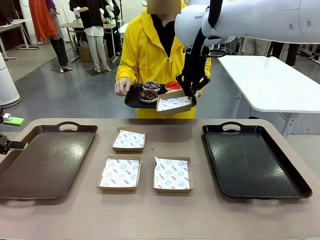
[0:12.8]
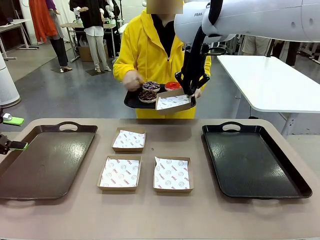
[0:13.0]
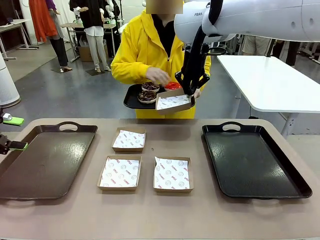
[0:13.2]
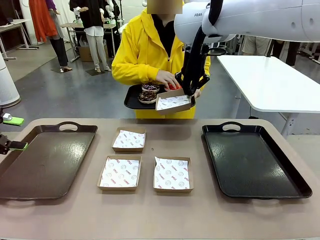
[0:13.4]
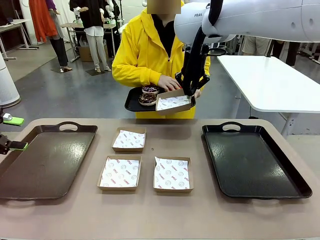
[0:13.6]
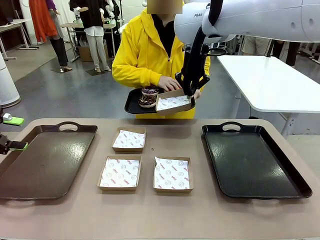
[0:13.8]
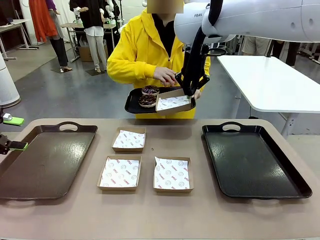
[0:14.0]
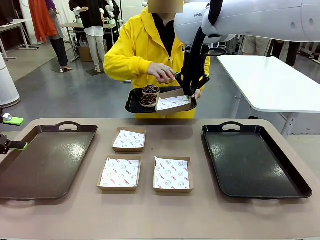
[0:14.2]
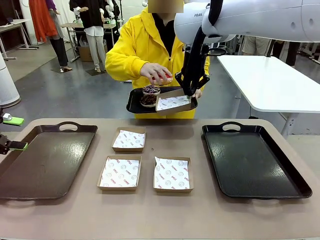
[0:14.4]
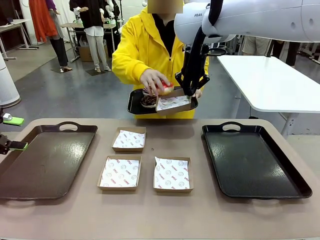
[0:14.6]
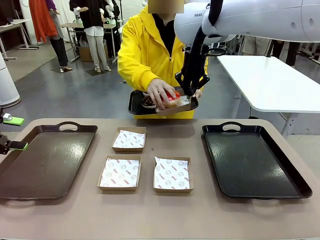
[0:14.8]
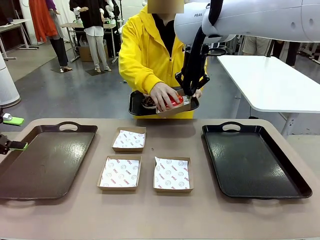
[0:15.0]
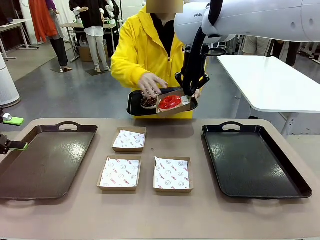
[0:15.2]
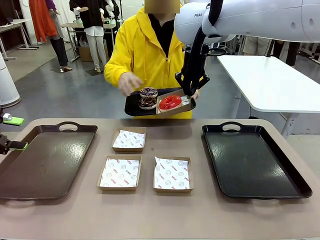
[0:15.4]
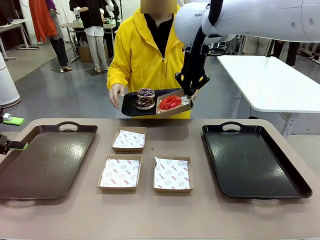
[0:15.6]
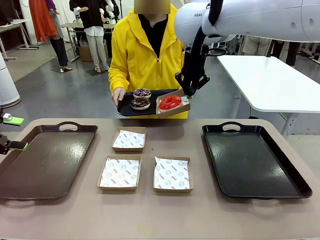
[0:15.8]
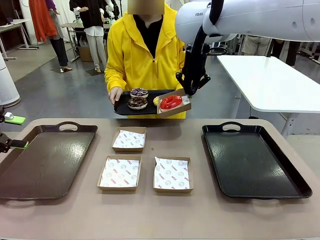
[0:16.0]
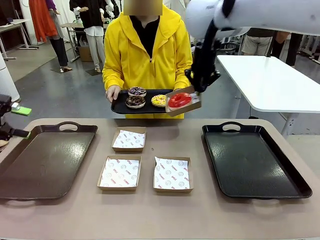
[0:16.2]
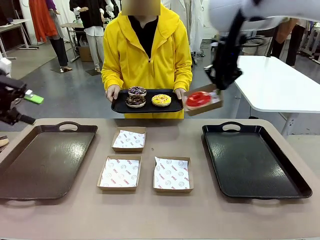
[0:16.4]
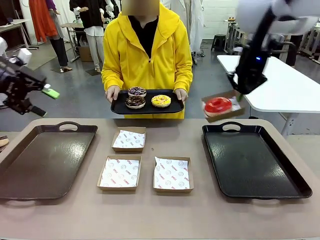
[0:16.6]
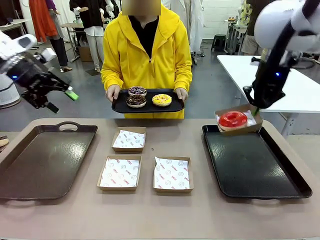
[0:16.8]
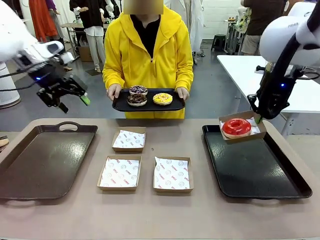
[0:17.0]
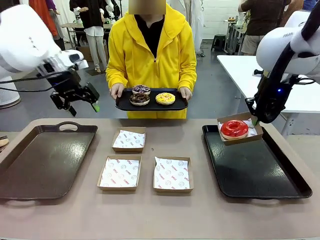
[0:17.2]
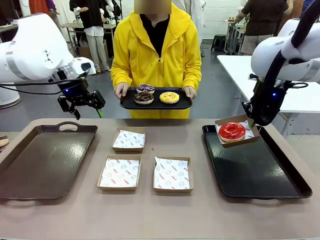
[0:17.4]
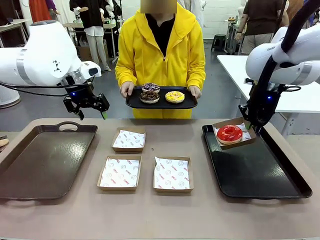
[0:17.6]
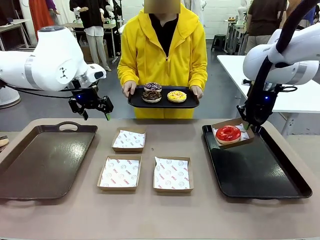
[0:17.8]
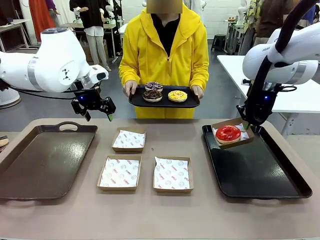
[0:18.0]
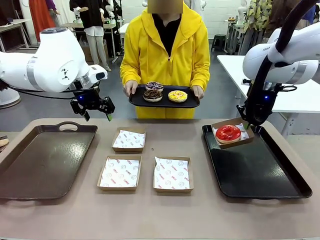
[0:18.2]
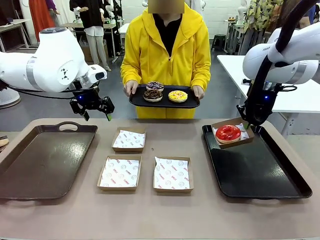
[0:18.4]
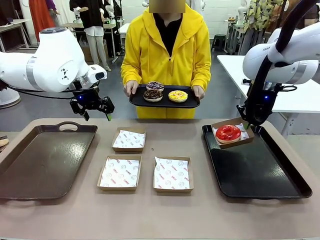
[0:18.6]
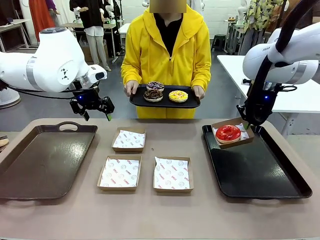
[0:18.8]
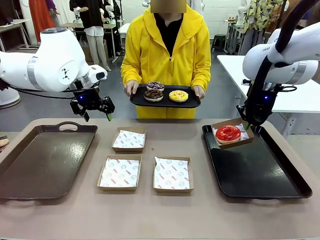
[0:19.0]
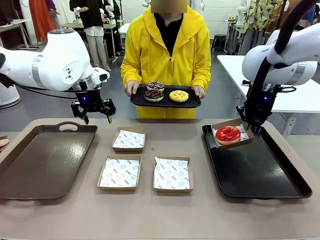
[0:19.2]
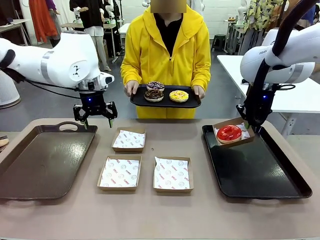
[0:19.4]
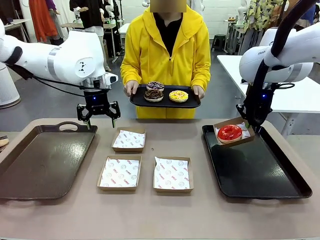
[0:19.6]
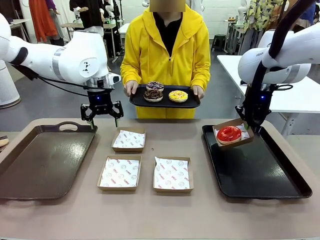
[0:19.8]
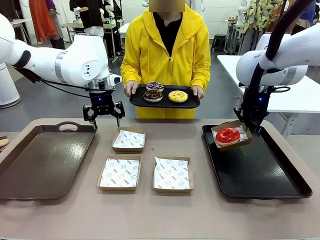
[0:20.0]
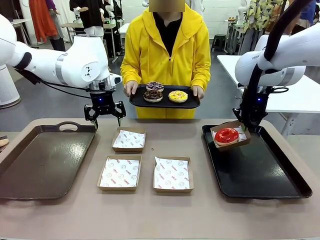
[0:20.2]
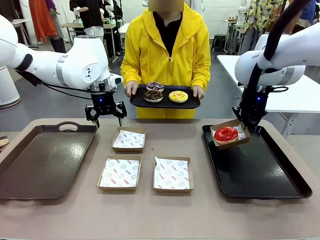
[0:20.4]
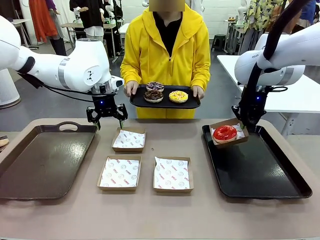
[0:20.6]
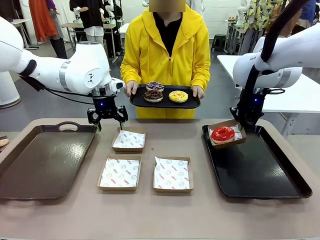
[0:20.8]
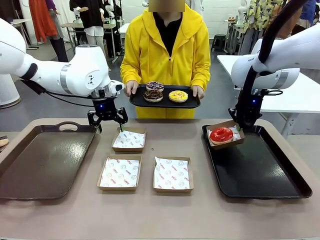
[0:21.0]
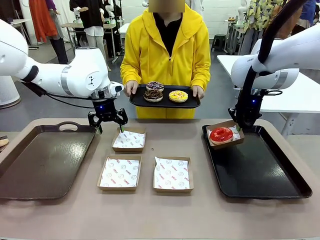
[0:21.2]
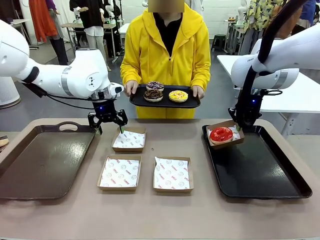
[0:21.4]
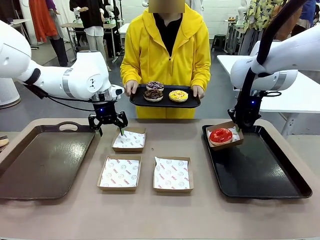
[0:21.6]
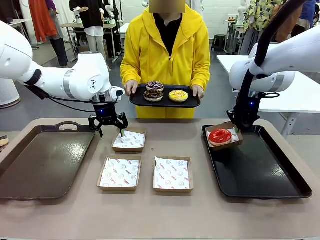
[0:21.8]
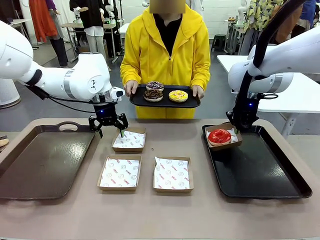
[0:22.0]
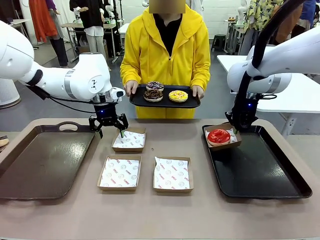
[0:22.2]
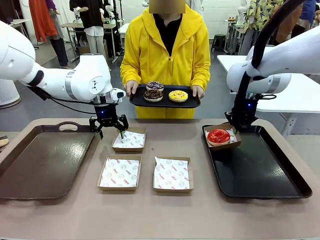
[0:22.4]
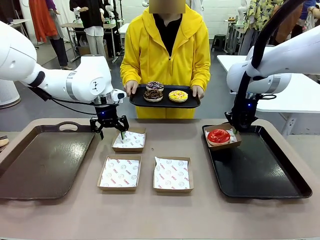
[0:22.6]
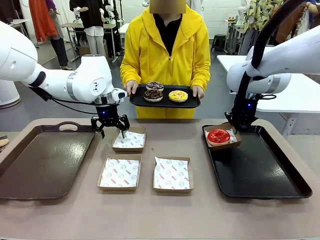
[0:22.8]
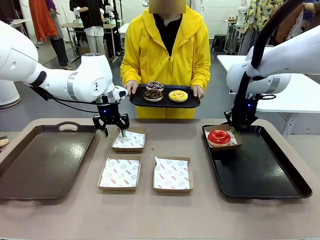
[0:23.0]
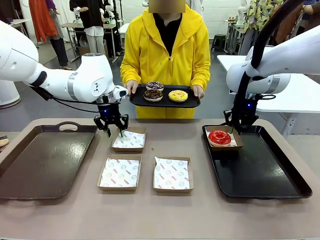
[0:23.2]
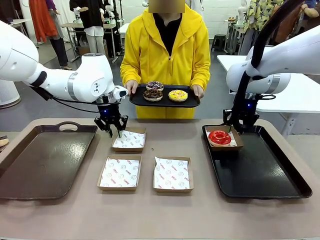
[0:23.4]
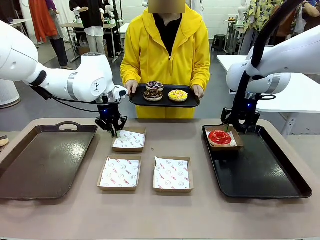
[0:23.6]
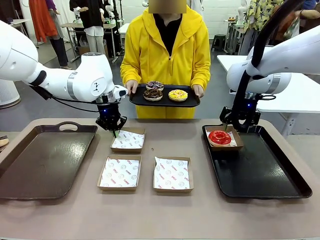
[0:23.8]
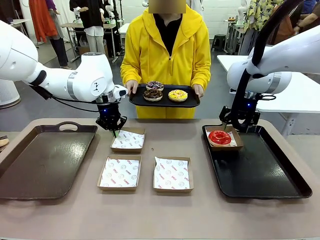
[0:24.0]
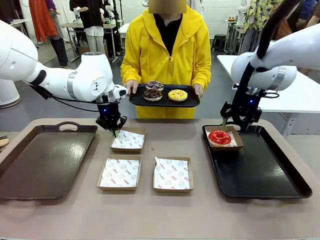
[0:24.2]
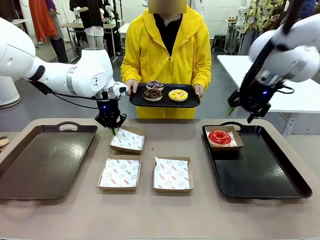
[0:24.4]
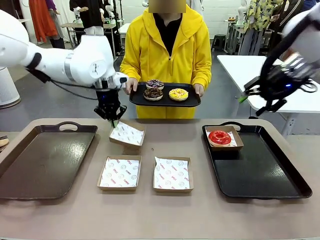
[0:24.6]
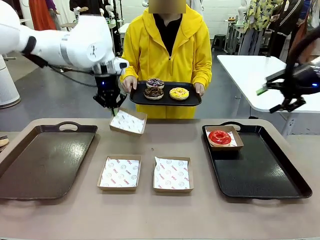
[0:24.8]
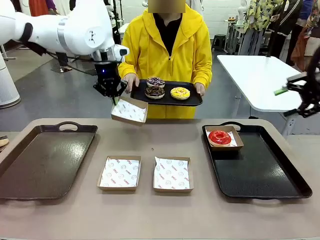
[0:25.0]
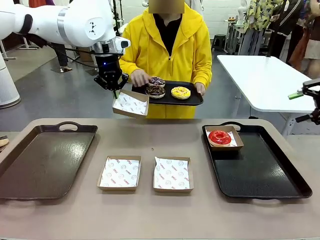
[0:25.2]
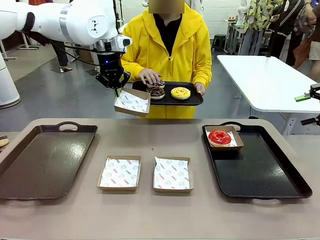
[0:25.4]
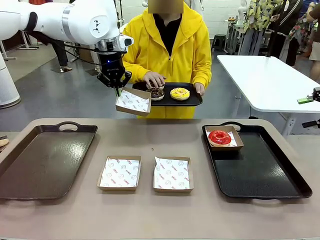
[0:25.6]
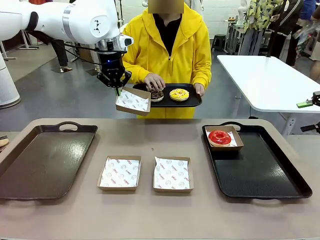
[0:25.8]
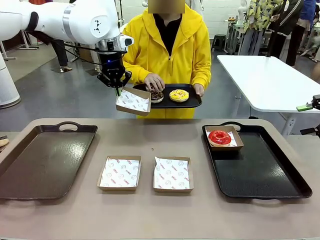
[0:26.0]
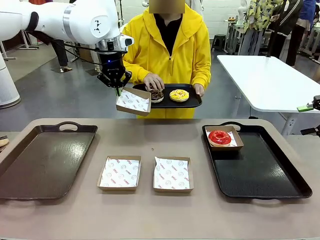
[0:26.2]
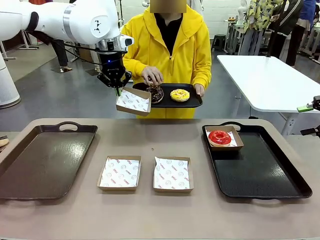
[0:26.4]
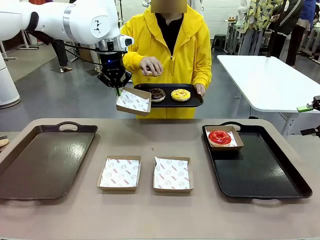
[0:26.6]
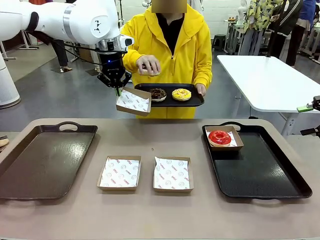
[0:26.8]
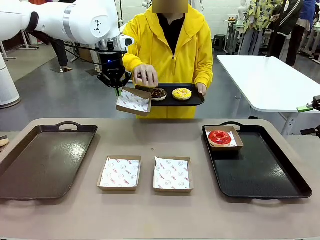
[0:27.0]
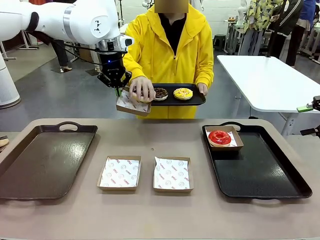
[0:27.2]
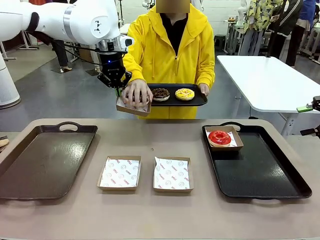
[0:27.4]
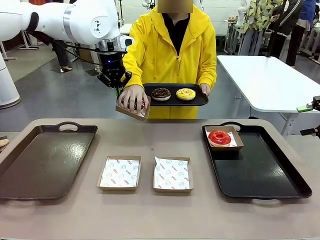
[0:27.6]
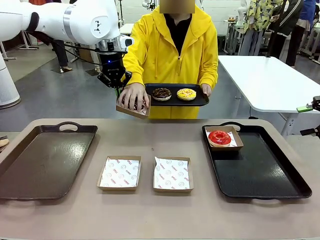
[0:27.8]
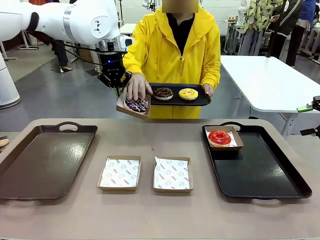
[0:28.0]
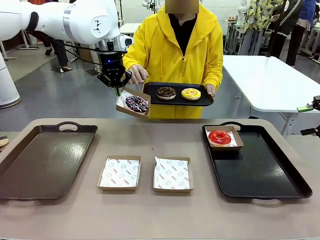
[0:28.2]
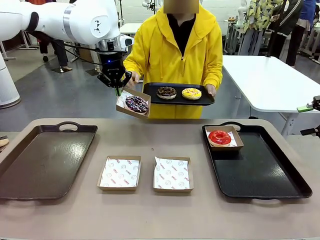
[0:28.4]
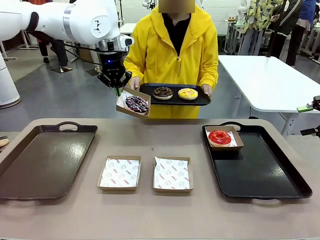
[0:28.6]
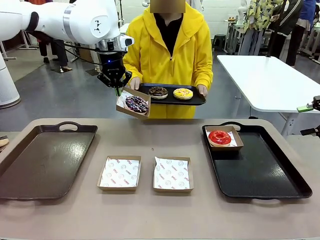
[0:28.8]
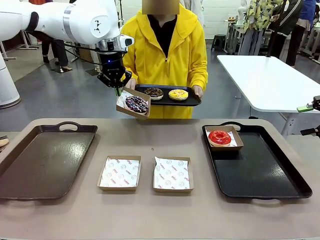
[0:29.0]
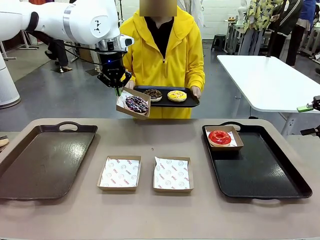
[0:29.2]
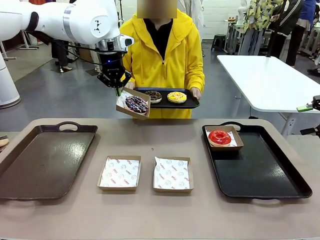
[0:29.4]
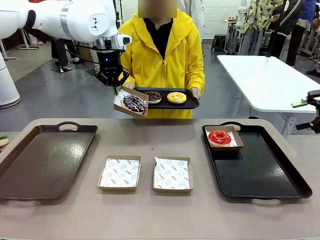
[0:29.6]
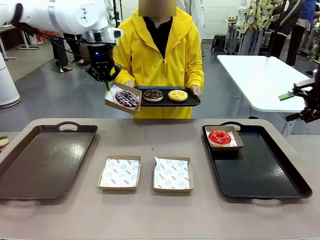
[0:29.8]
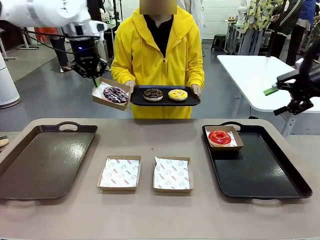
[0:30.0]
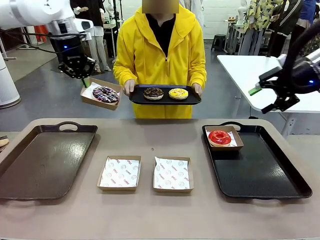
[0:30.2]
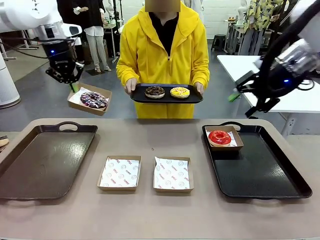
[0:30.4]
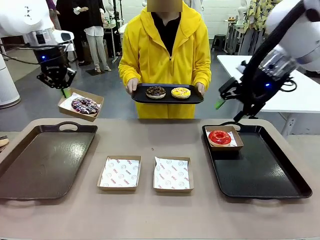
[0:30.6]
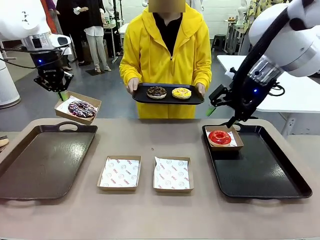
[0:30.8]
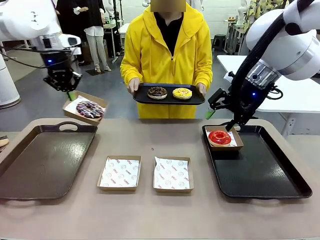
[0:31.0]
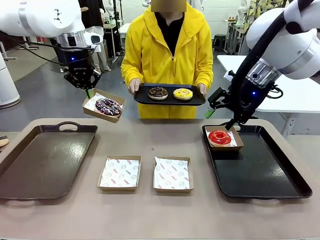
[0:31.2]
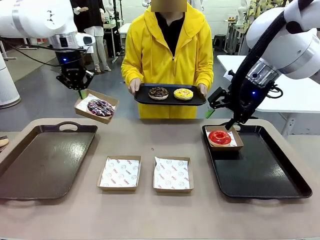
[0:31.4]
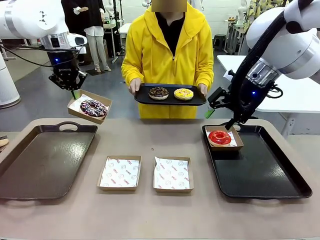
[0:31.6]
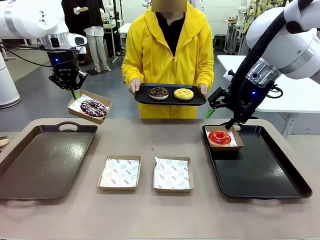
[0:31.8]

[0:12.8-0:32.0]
Task: Individually package the donuts and arrange them on the tray.
Robot: Place the picked Paper togo box on the Handle tray while simultaneously picking up another Paper togo box from the table with the other hand.
